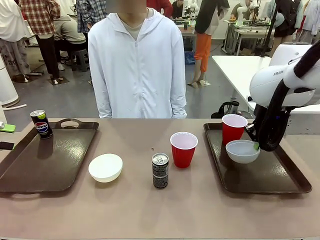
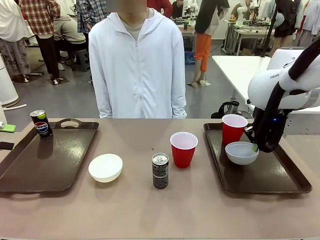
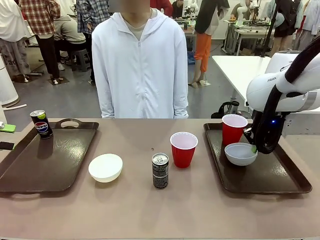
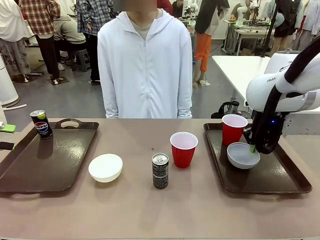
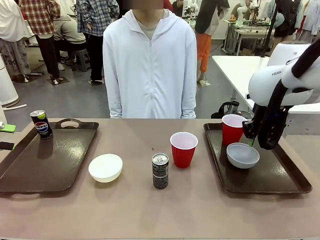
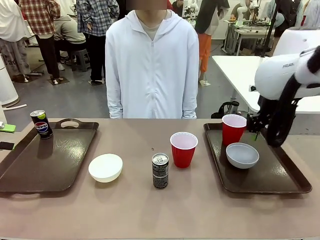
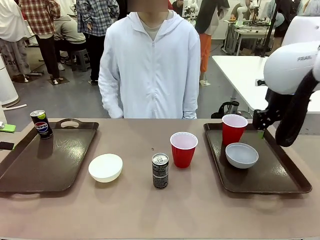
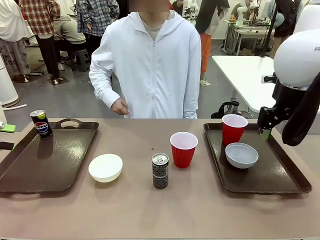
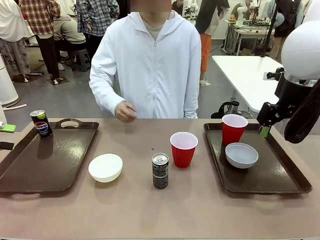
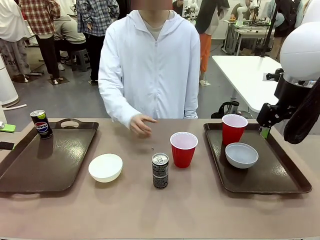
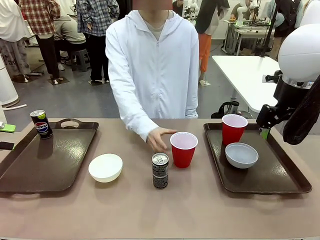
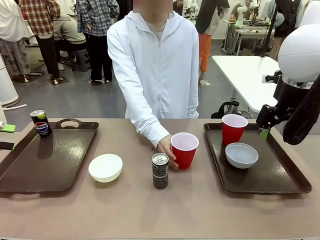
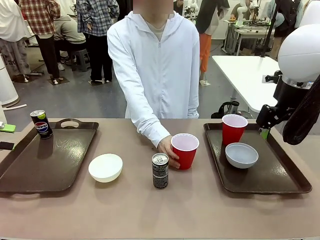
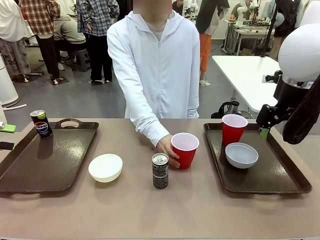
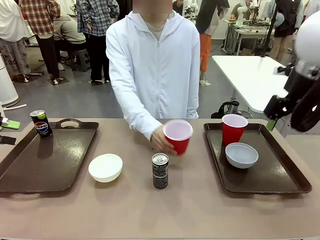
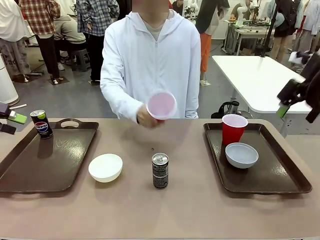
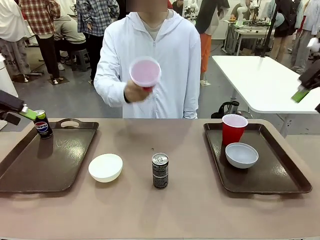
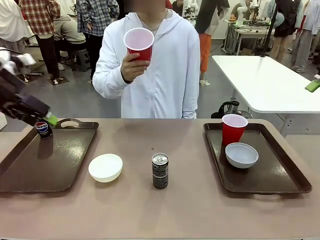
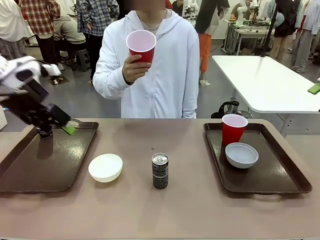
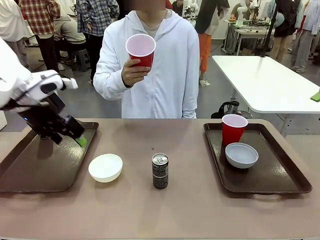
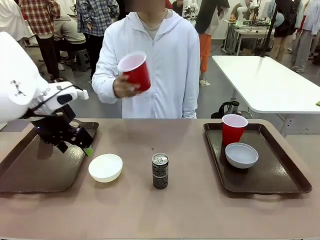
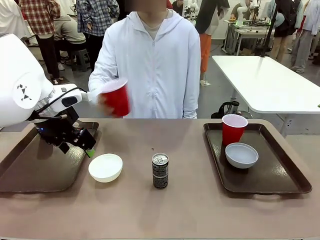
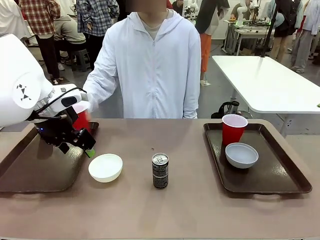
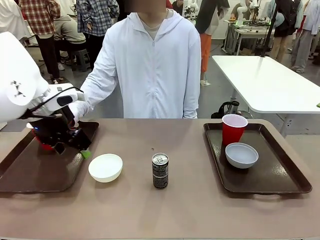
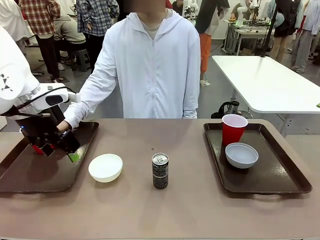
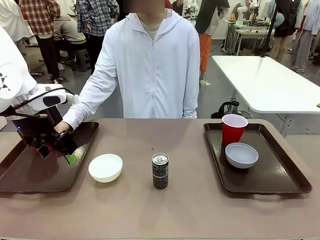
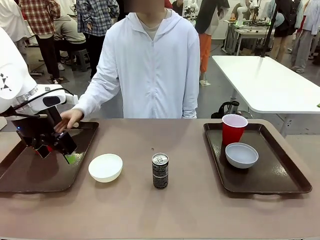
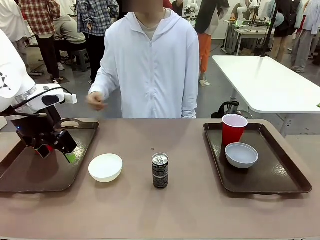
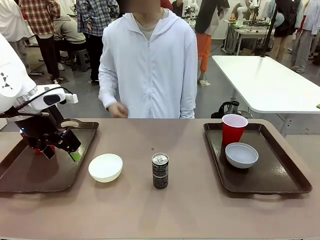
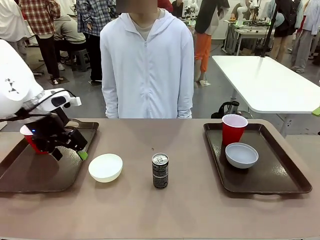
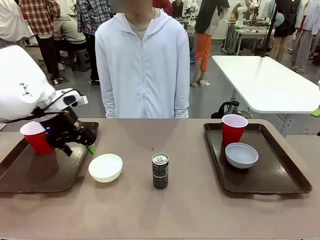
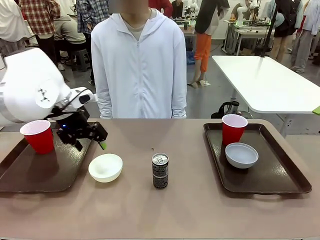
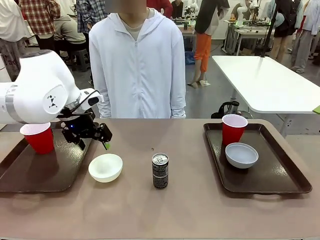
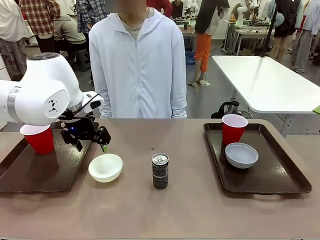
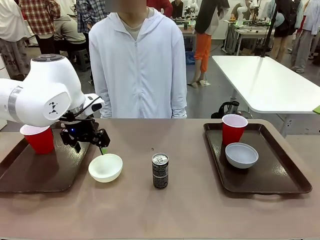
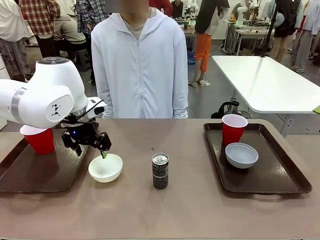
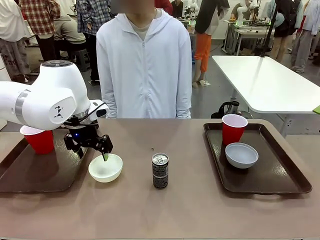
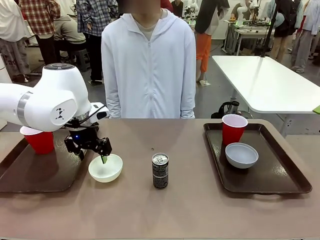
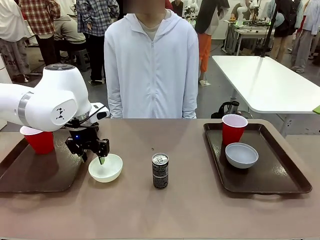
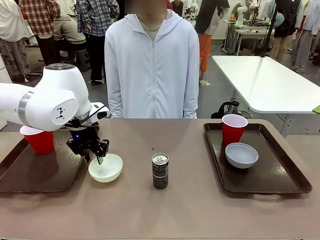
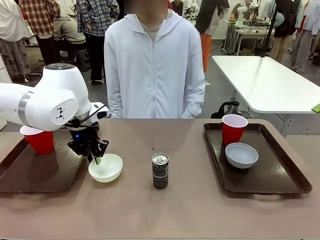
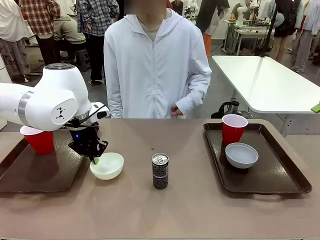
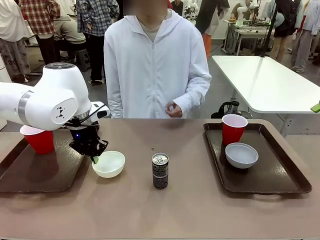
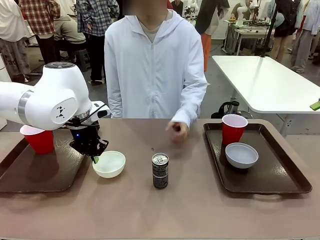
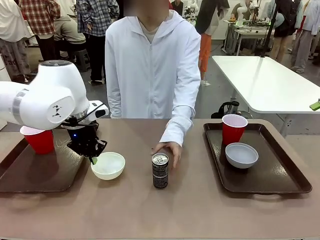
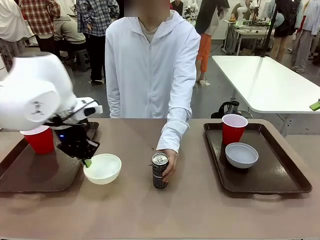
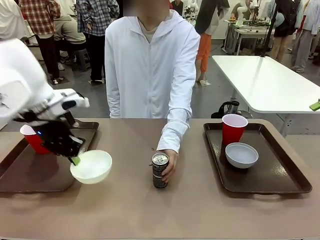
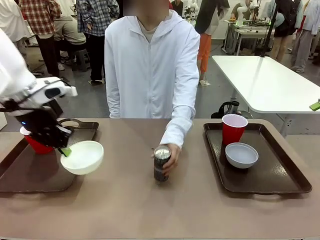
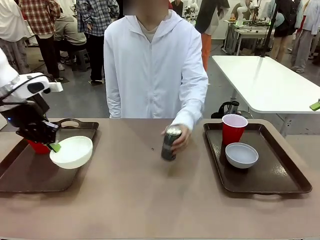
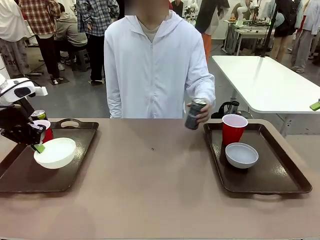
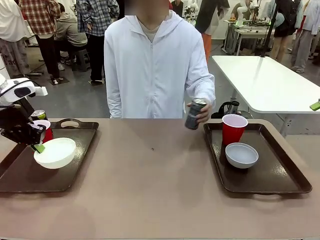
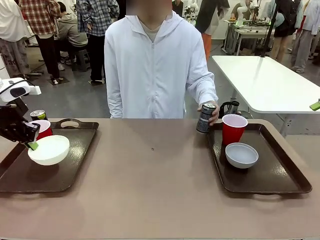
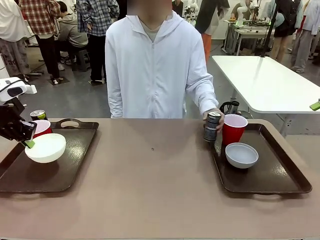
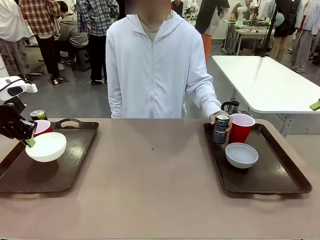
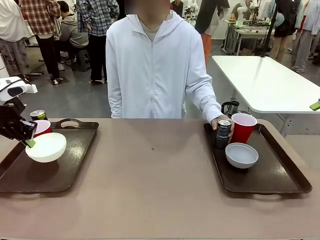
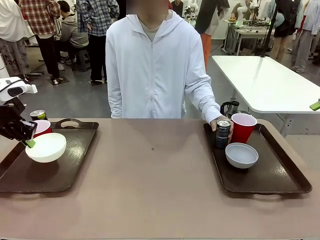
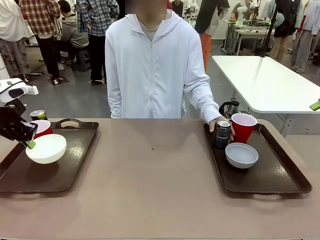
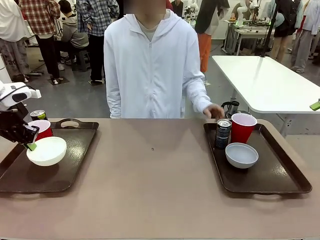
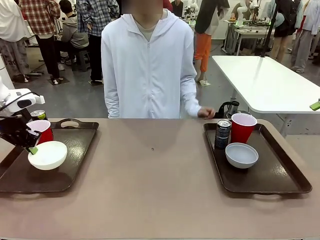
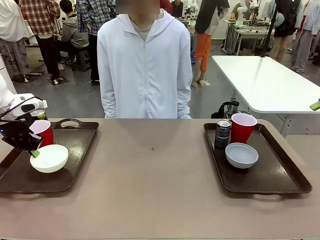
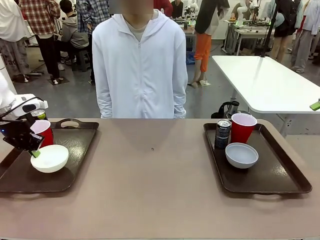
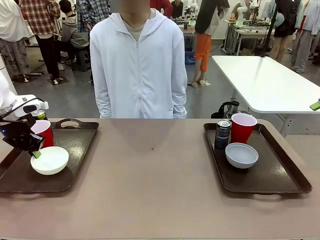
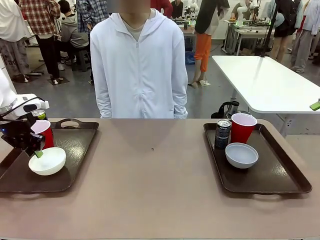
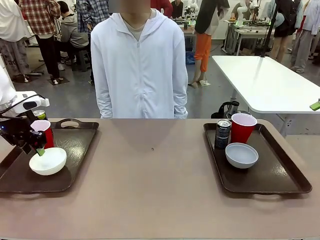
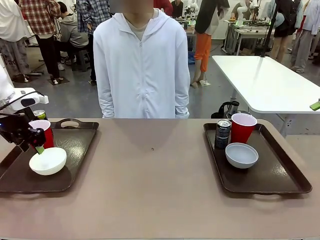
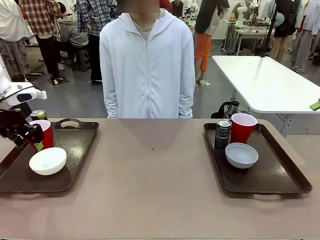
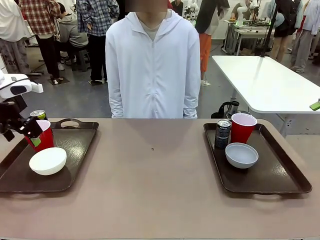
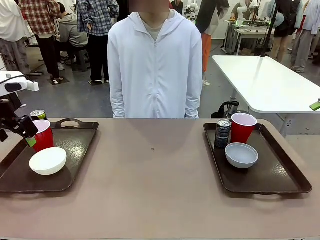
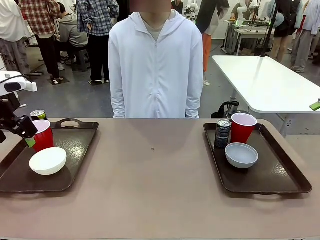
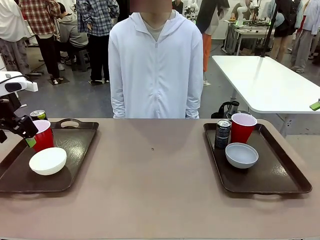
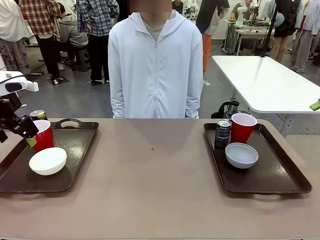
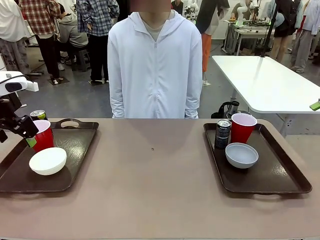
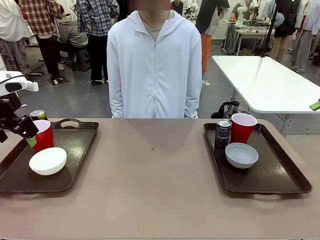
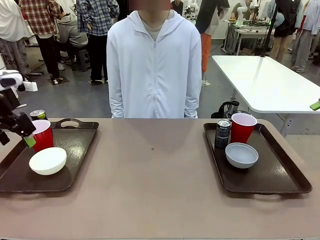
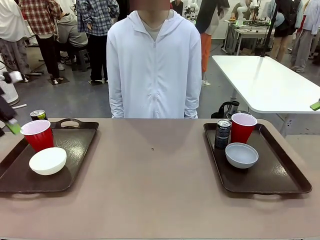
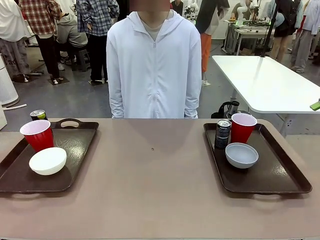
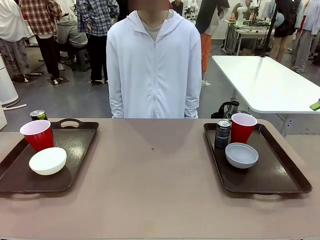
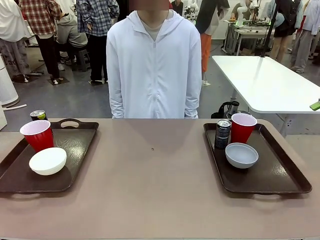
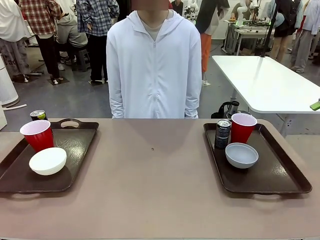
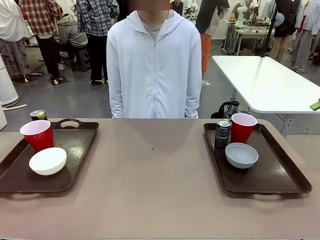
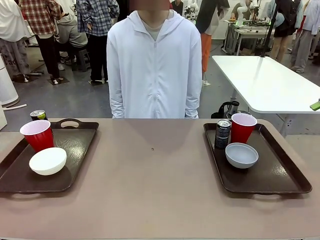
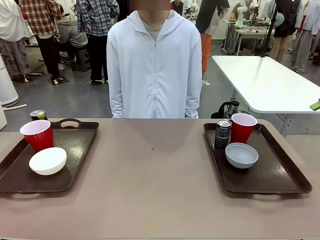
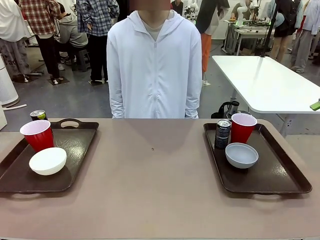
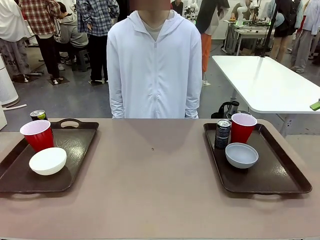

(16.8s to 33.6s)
Task: Prepare tableware on both trays.
Robot: Pick up a Picnic Bowl from the table and place it on a Handle tray.
Person: Pick up a can or cup and place it on the tray without a can or cup.
